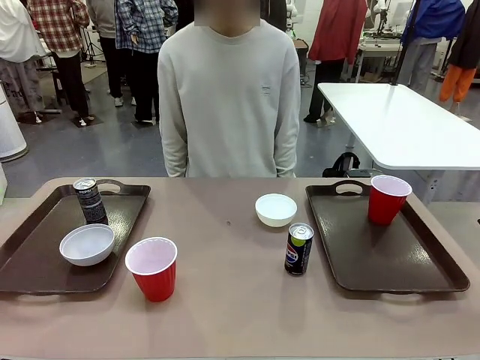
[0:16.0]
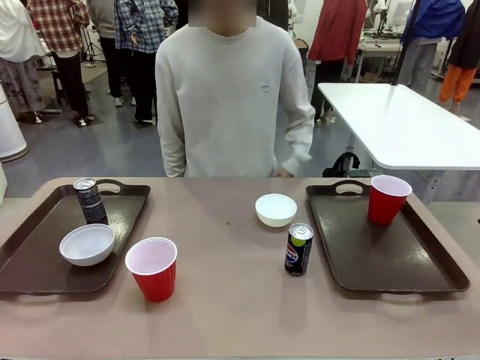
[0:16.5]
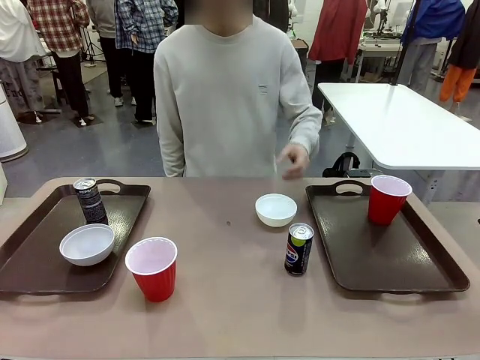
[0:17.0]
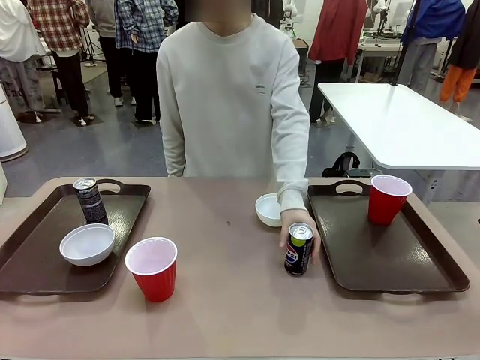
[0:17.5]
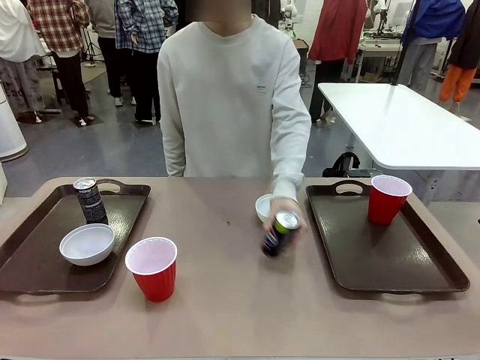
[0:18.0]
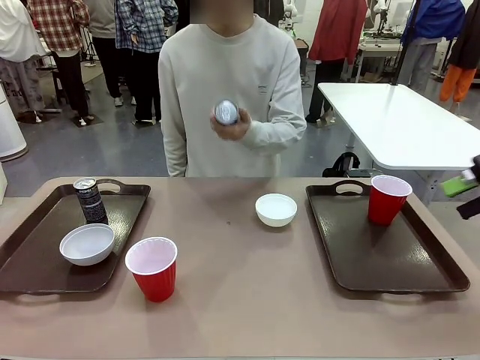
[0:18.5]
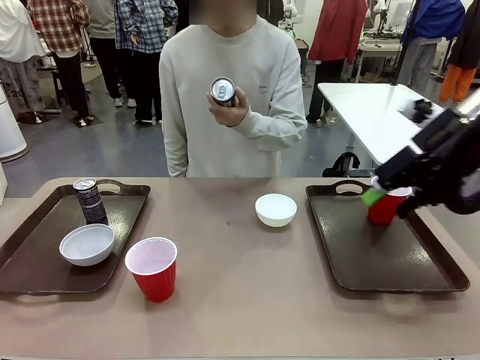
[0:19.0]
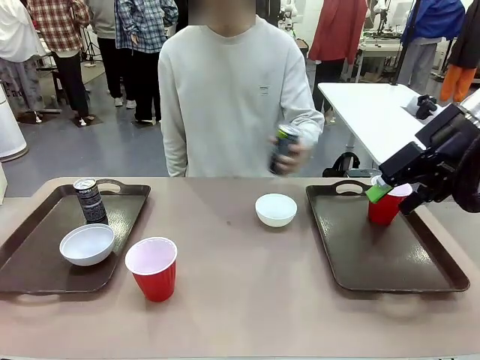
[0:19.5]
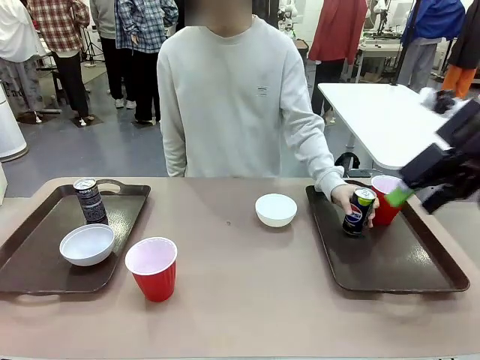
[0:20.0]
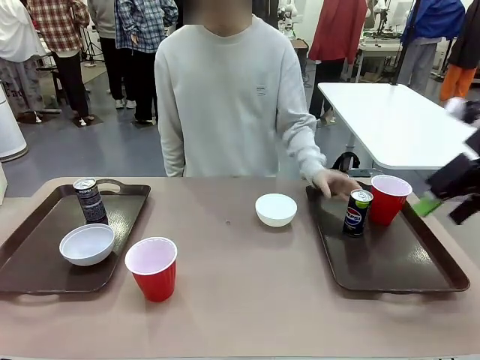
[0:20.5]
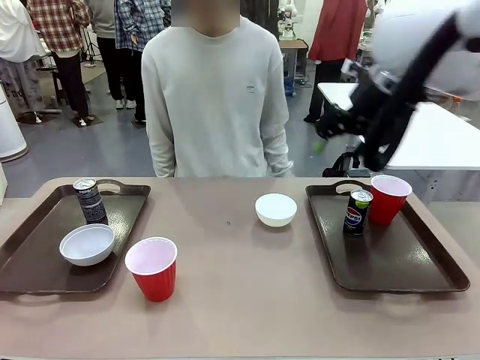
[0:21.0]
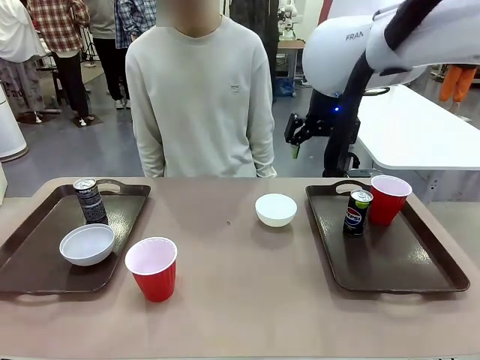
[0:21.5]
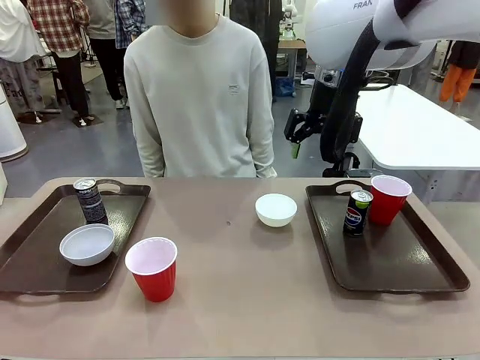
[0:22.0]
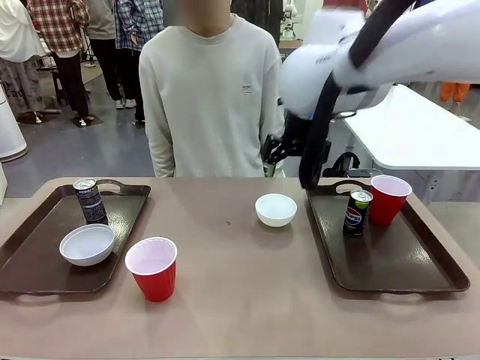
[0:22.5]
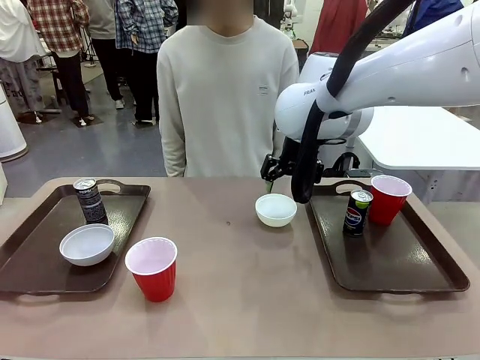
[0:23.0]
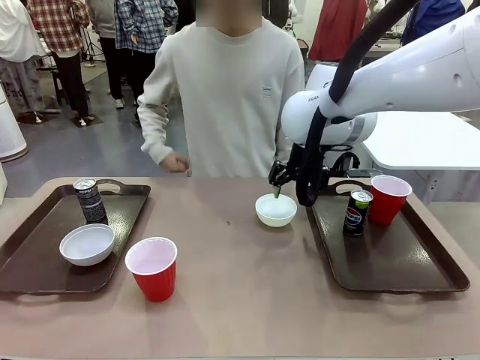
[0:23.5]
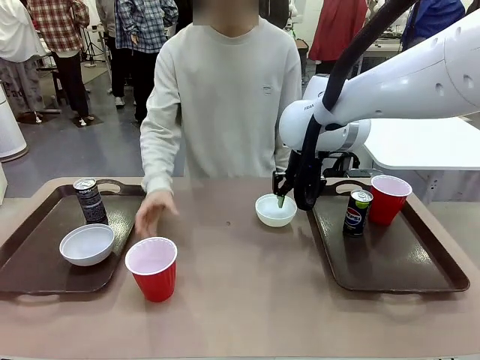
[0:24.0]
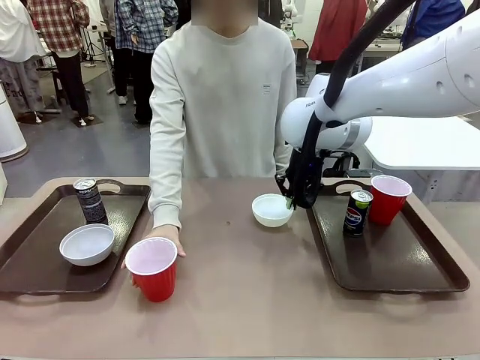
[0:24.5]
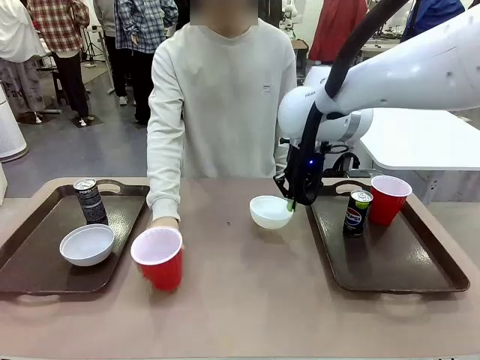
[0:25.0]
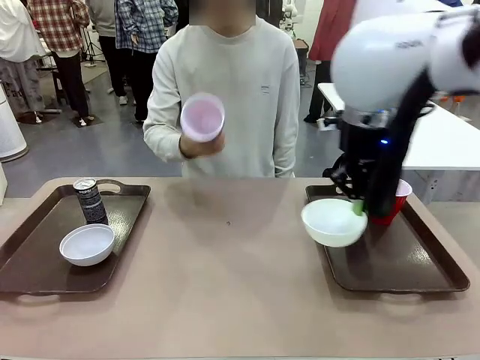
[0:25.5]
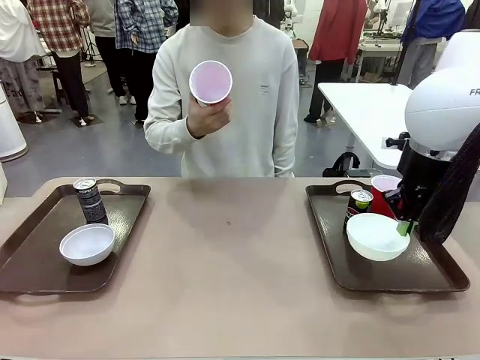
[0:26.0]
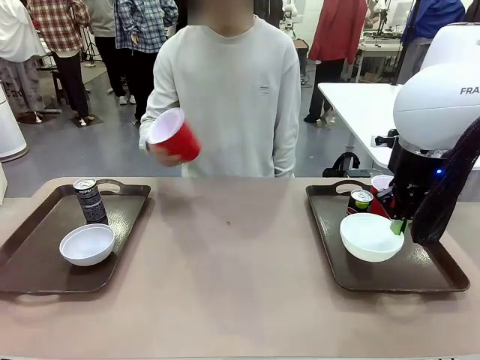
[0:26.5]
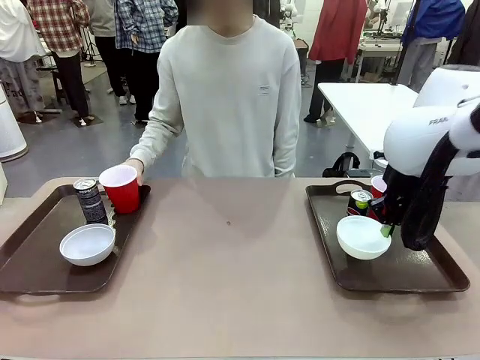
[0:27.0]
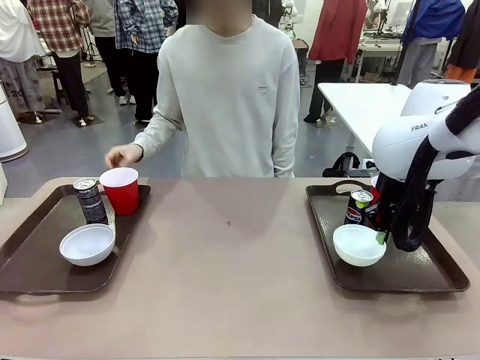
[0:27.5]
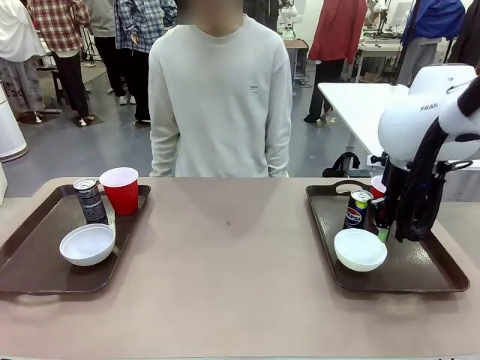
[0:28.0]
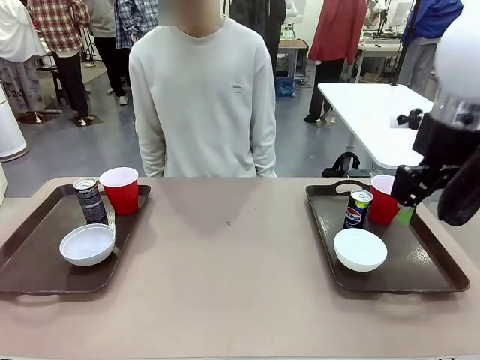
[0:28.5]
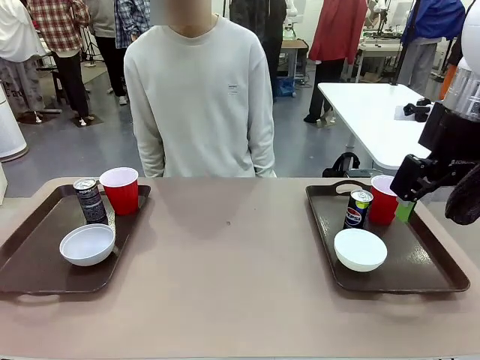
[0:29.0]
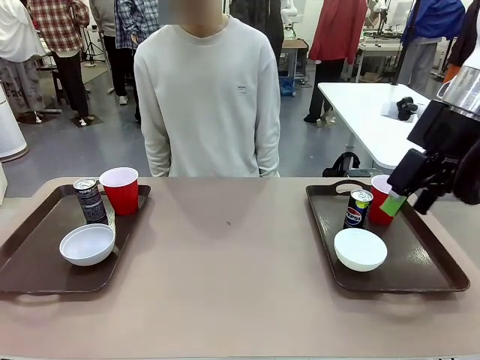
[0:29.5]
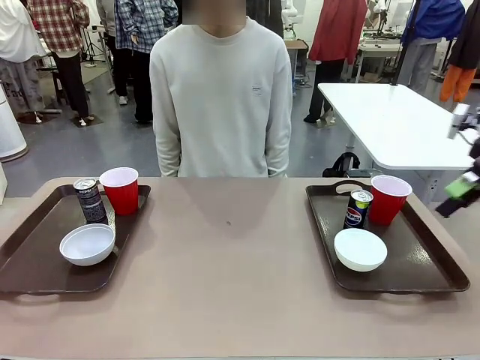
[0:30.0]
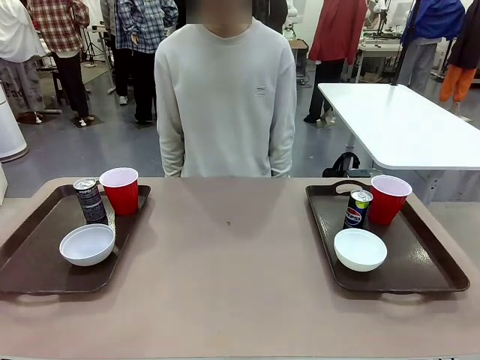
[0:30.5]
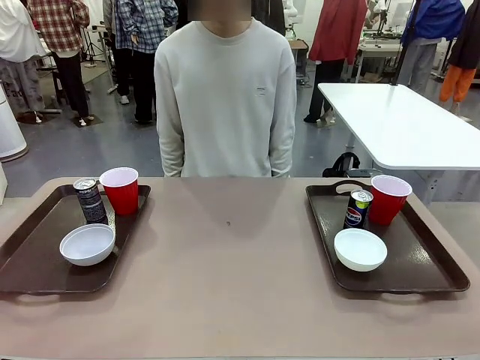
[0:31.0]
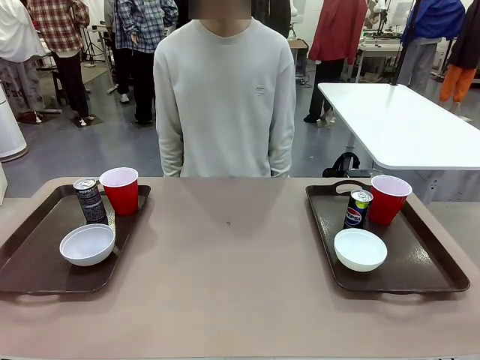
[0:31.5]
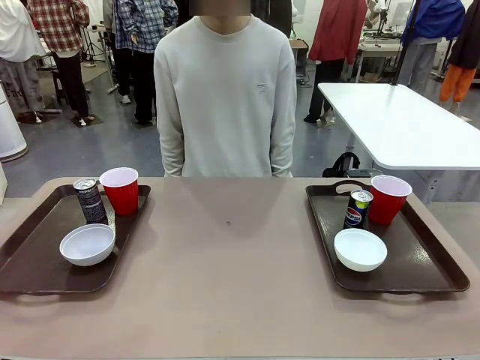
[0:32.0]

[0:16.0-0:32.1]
Task: Prepare tableware on both trays.
Robot: Pick up a Picnic Bowl from the table and place it on a Handle tray.
Person: Pick up a can or cup and place it on the tray without a can or cup.

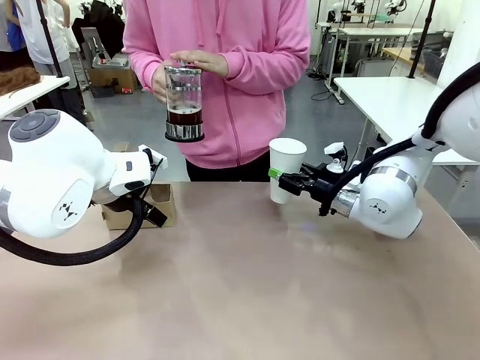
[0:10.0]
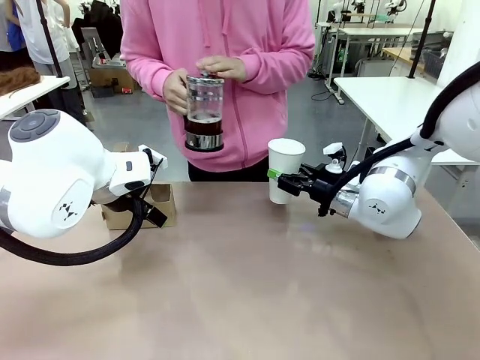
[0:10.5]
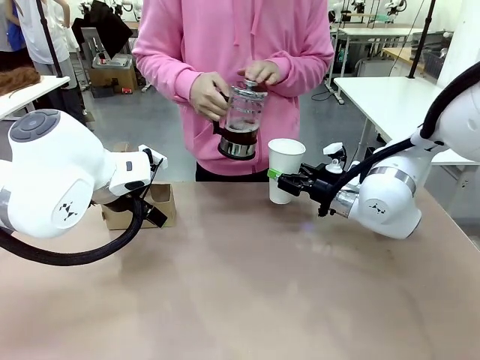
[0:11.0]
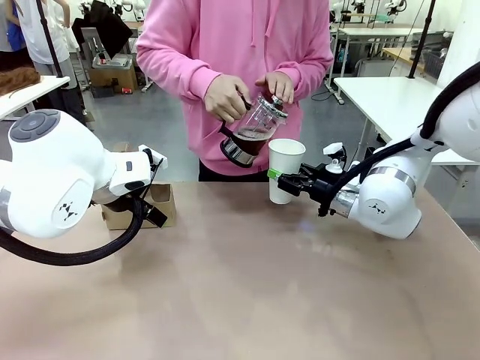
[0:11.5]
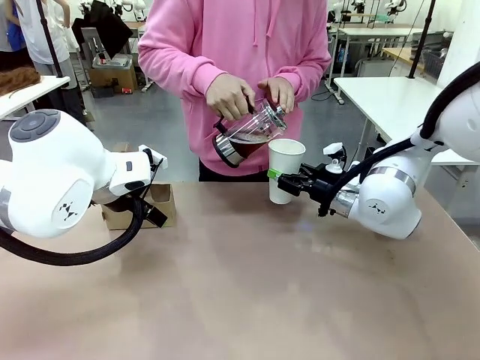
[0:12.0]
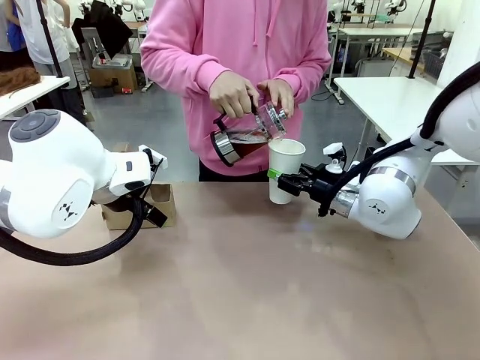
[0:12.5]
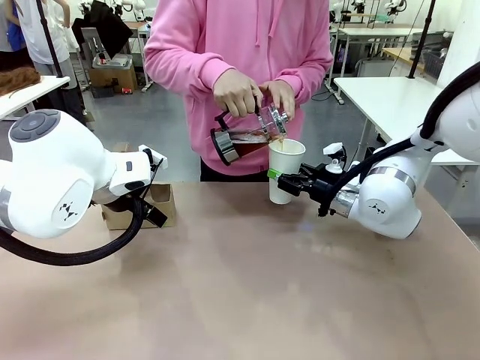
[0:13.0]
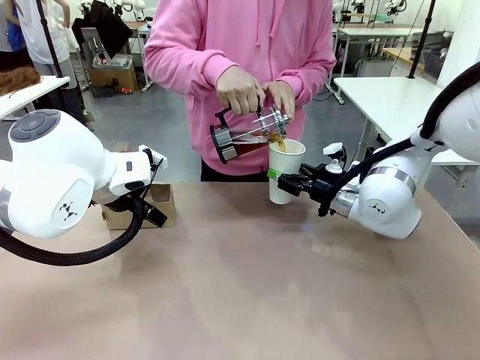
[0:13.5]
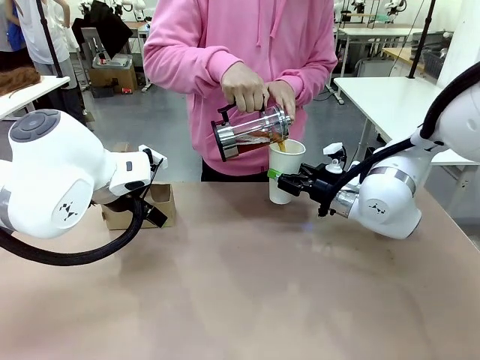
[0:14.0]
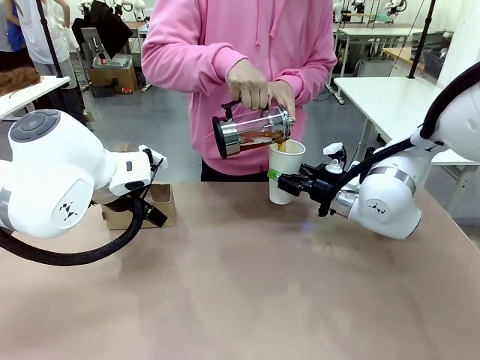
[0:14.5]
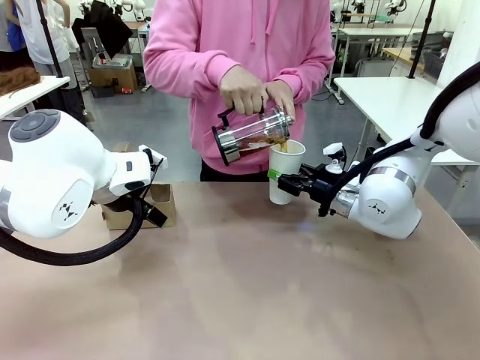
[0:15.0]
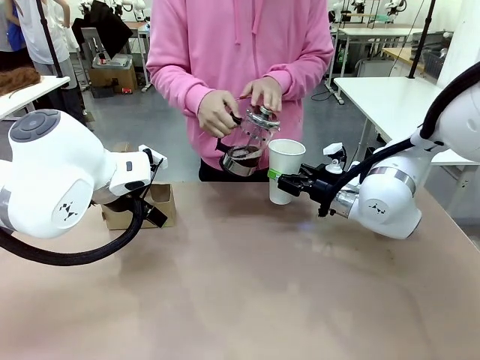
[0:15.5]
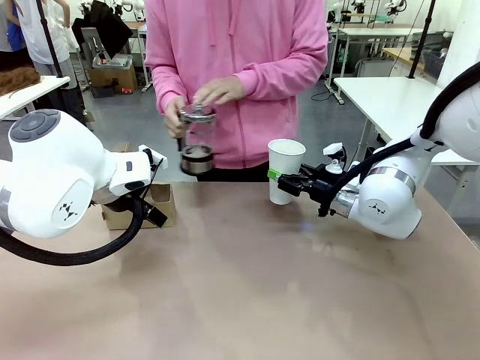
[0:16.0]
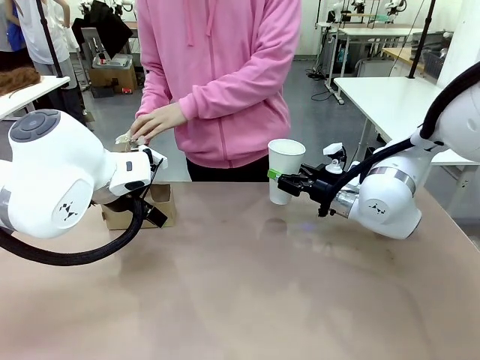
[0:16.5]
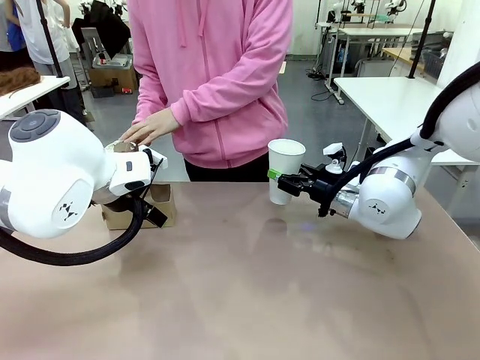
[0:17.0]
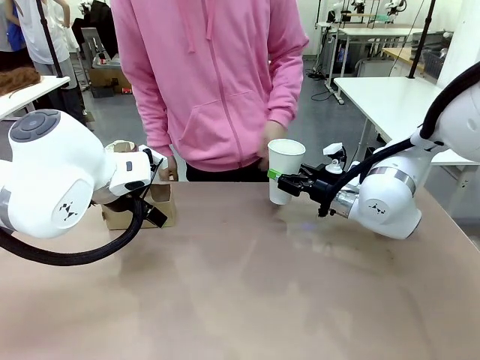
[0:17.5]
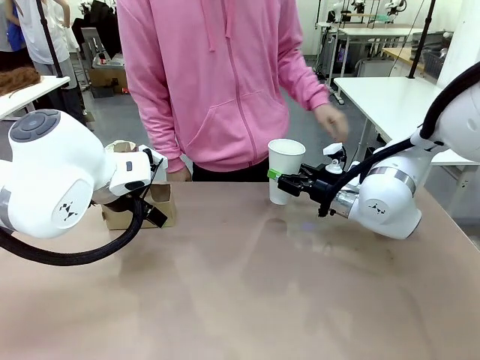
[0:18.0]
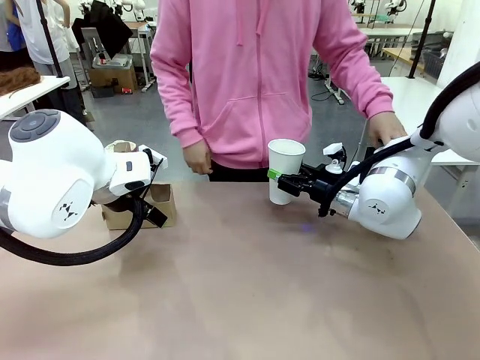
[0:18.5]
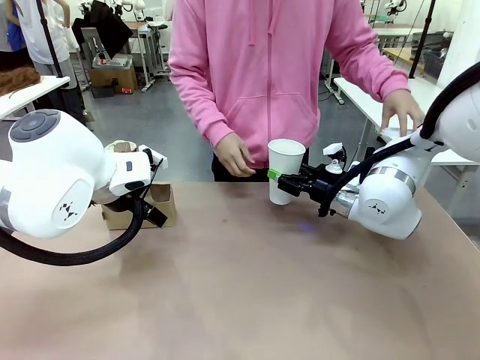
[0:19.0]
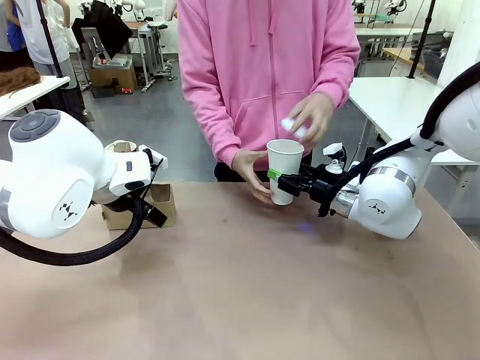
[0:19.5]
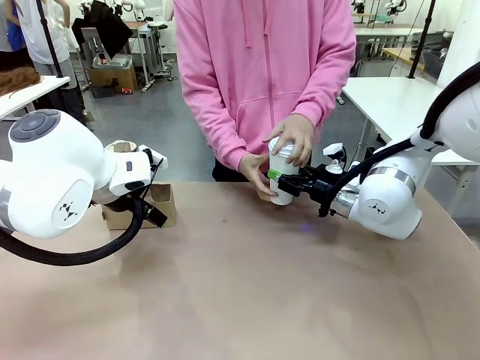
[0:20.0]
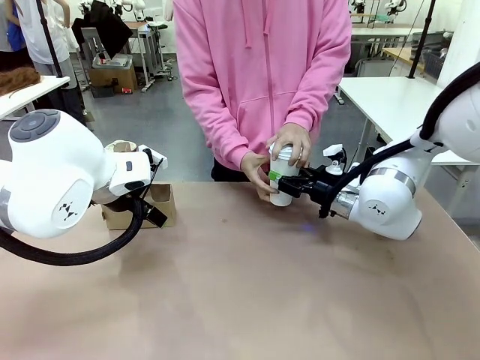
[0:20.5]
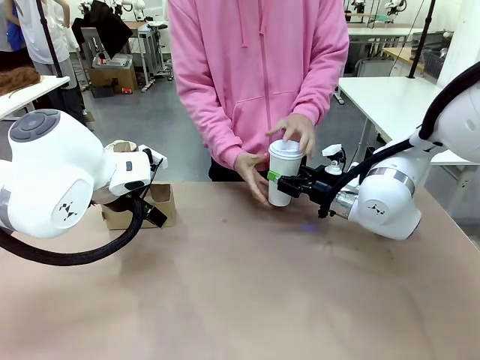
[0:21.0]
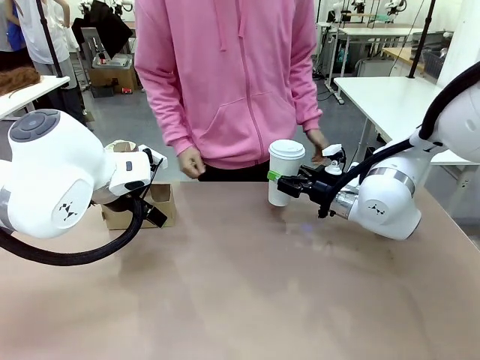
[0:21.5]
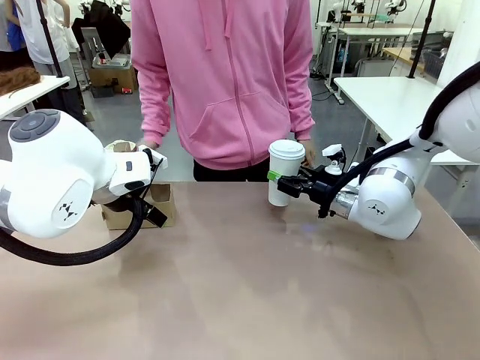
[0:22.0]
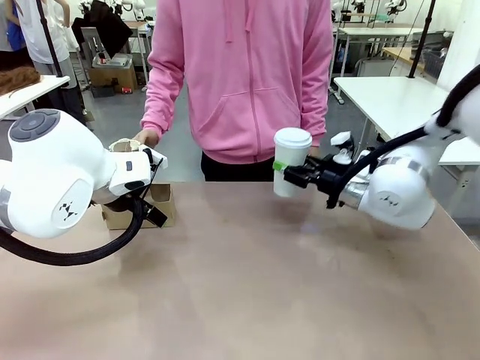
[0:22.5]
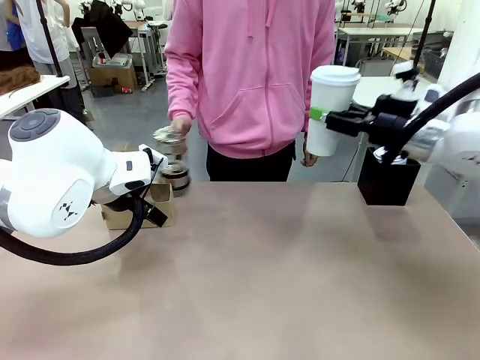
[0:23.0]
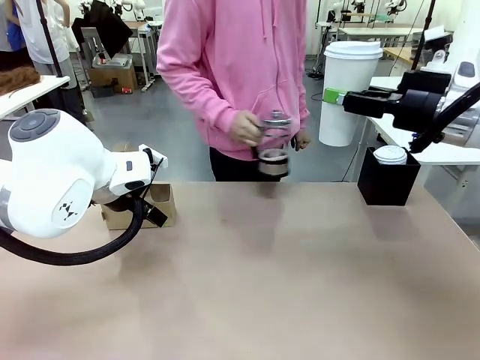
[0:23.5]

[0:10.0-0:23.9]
Task: Pour a drink into a cup and package it in a carrier.
Robot: When a person places the Paper Cup Lid on the 600 ml Paper Cup , lift the 600 ml Paper Cup.
Person: Pour the drink from the Filter Brewing into the 600 ml Paper Cup. Place a Paper Cup Lid on the 600 ml Paper Cup.
